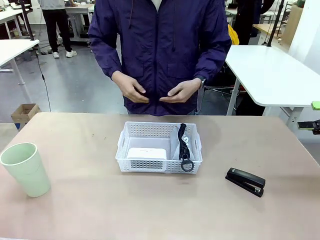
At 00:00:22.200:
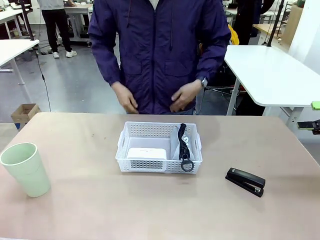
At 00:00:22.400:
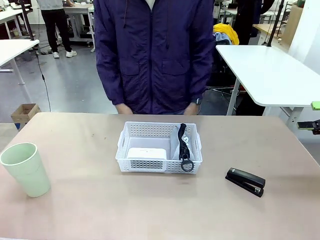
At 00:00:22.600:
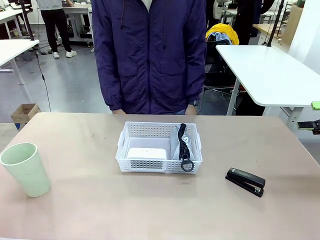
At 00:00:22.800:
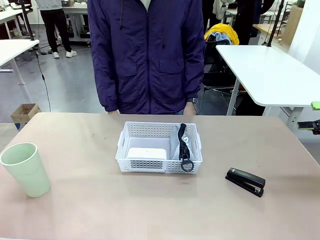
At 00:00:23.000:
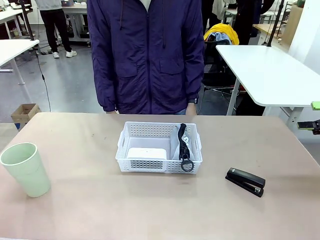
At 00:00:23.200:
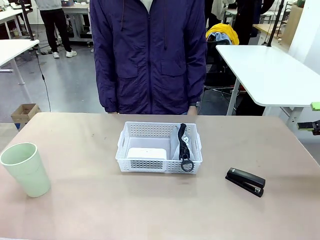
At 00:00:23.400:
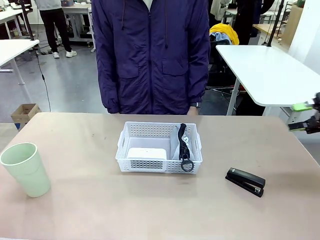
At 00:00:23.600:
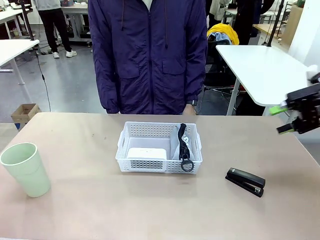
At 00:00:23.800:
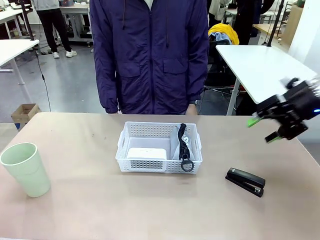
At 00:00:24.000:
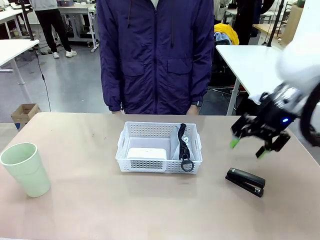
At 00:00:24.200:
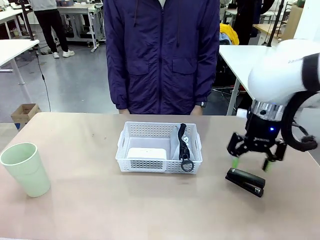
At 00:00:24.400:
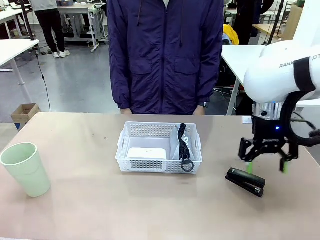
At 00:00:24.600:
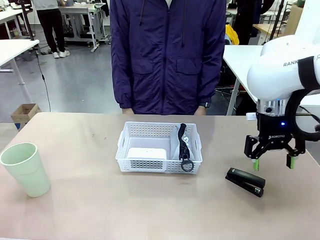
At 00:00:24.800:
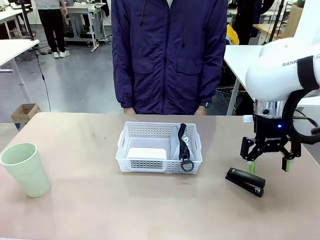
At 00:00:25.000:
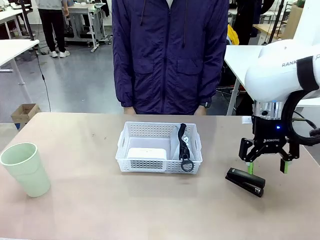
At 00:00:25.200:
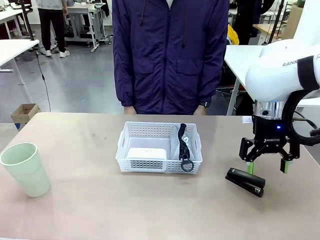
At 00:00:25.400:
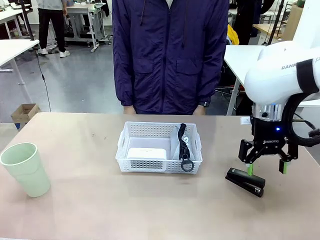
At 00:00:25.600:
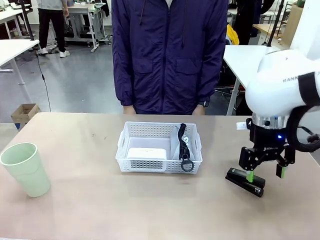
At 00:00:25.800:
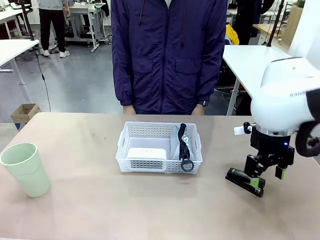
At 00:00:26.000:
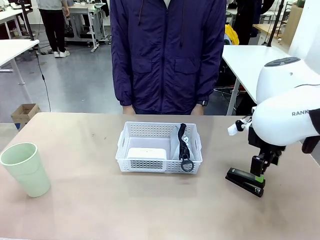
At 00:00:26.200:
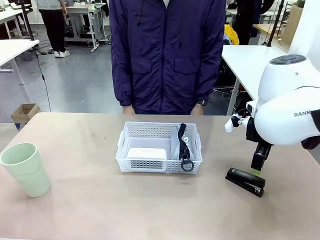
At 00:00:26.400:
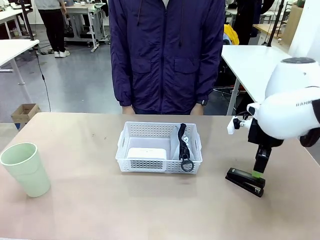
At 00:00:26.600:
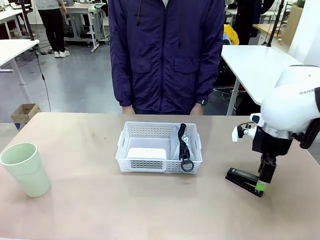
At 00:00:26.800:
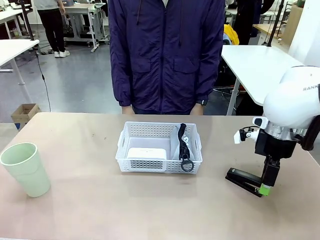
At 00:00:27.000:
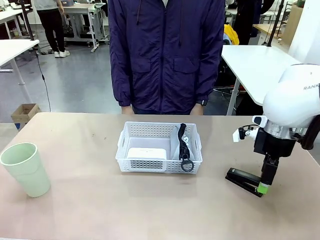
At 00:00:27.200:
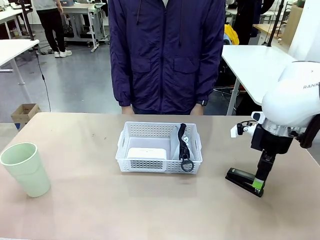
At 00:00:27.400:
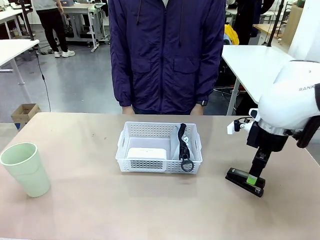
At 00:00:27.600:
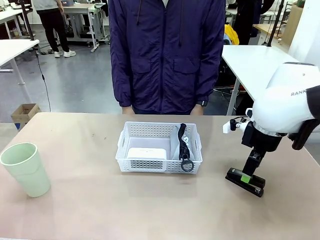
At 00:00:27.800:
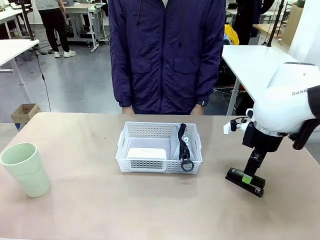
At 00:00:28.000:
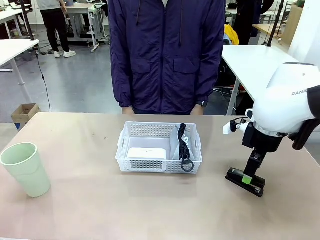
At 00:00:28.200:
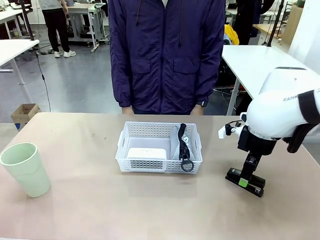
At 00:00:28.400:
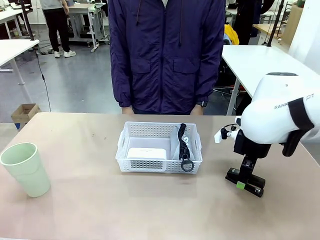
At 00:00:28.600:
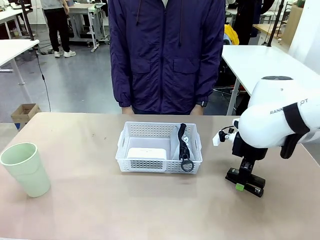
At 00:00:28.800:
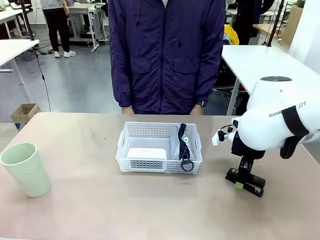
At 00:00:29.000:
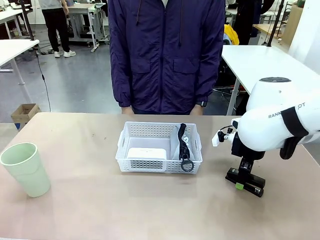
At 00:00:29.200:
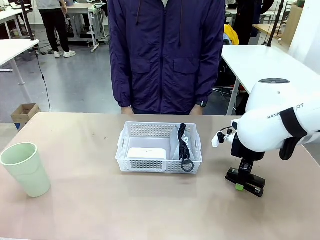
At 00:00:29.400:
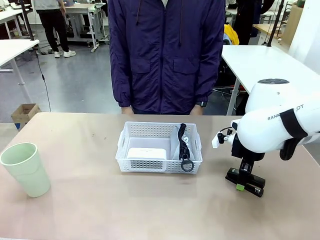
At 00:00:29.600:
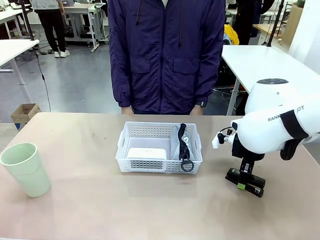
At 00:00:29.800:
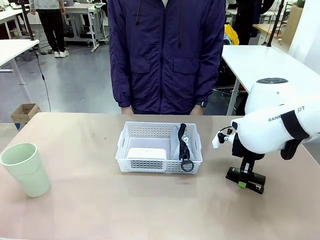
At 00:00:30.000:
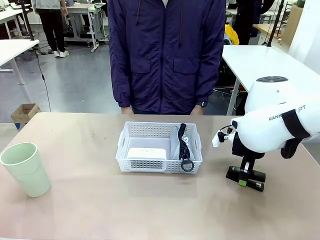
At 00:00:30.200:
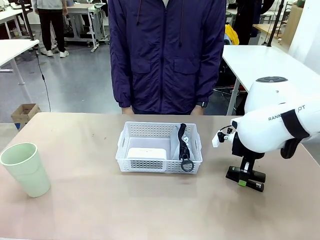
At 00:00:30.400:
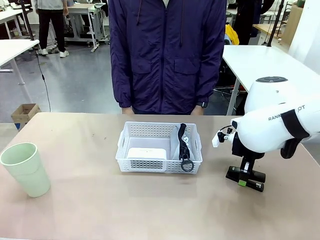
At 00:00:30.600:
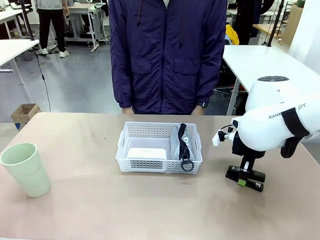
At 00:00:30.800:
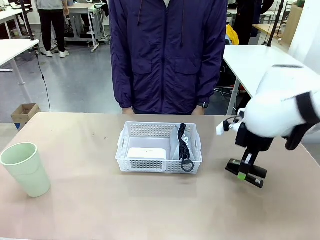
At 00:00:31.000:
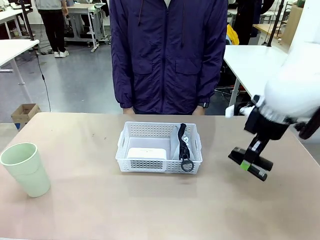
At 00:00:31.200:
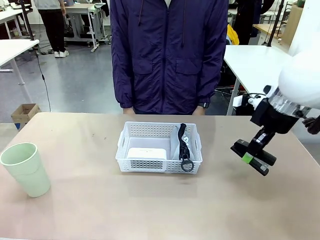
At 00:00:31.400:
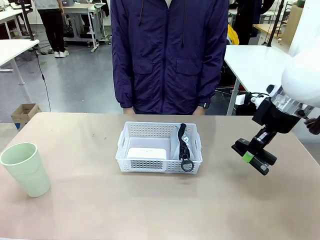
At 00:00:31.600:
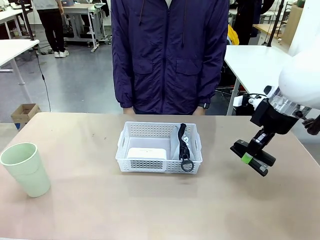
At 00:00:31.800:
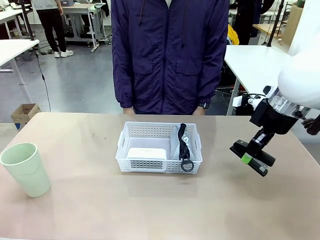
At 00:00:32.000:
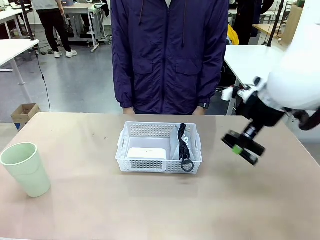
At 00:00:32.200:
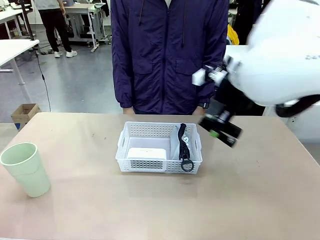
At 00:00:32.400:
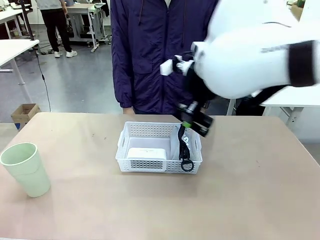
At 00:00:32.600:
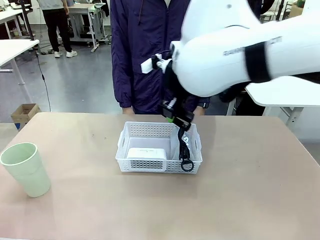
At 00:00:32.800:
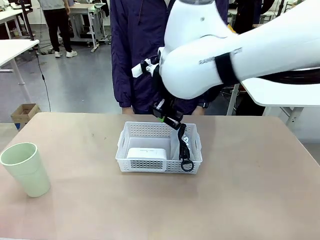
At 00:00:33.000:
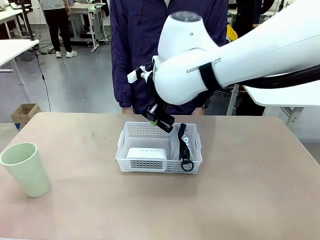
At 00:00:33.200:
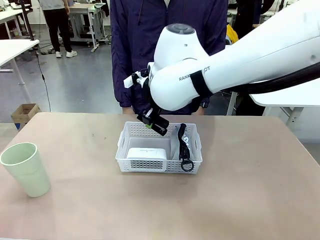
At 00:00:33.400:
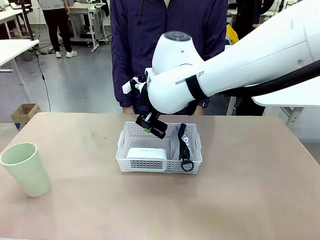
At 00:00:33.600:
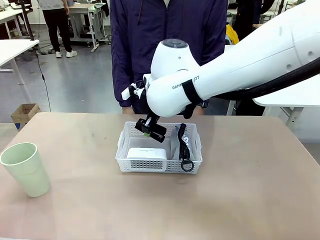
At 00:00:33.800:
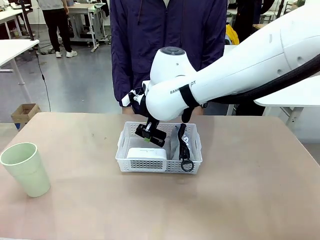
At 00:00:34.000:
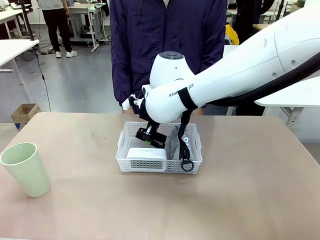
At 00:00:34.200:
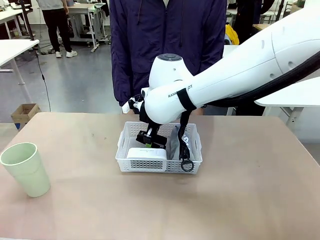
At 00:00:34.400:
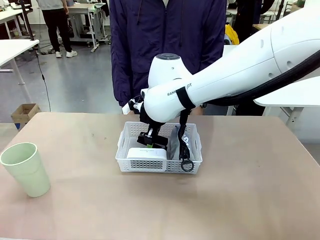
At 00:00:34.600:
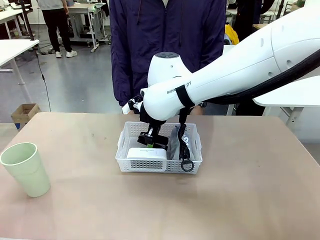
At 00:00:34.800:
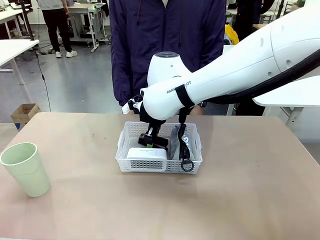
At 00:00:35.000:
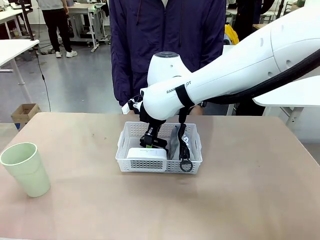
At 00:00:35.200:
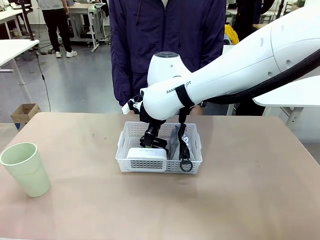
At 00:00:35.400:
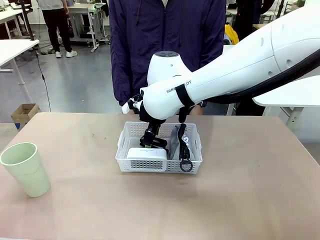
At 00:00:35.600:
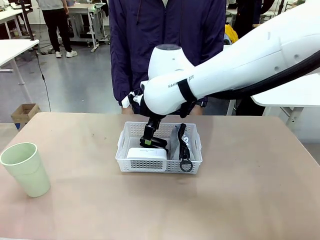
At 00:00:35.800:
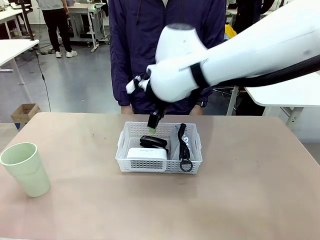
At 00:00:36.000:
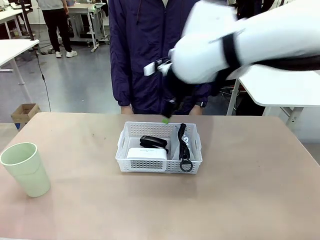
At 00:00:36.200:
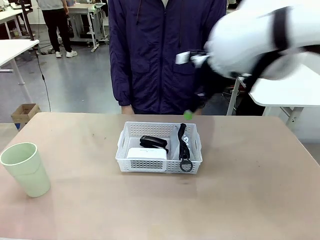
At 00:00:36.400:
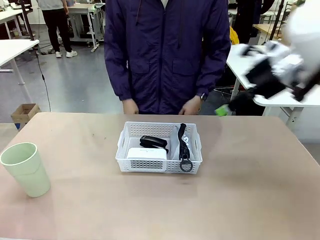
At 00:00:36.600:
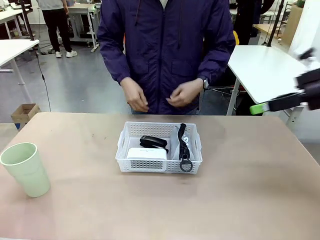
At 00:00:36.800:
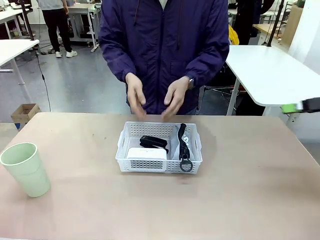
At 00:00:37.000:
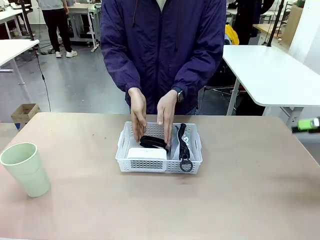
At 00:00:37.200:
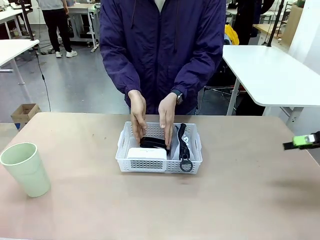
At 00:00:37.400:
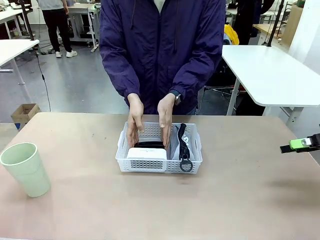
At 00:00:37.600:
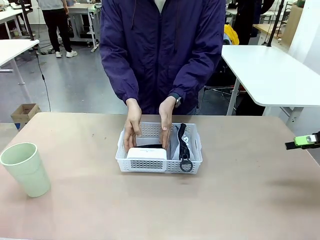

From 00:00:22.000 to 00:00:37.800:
Task: Efficiently arrange items inside the basket to fit them all.
Robot: Pick up the Stapler and place it inside the Organizing basket.
